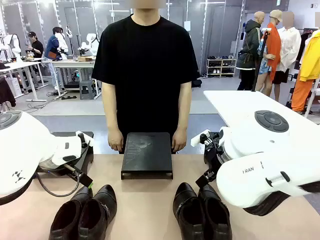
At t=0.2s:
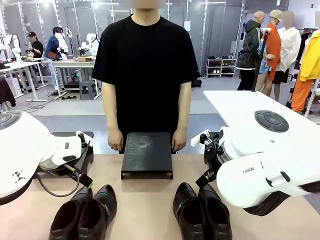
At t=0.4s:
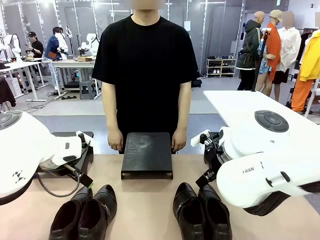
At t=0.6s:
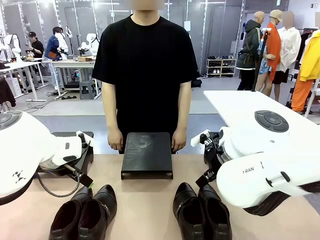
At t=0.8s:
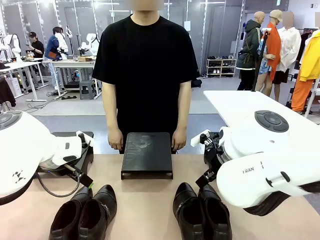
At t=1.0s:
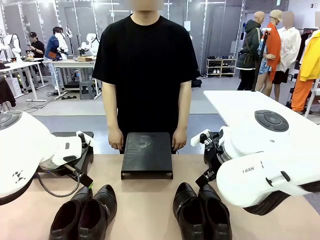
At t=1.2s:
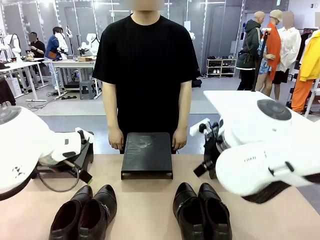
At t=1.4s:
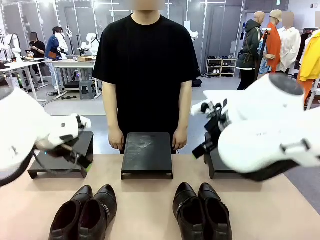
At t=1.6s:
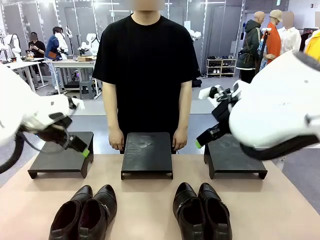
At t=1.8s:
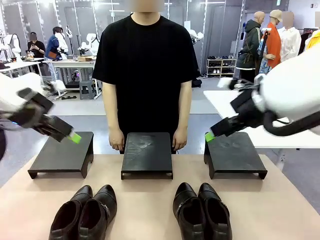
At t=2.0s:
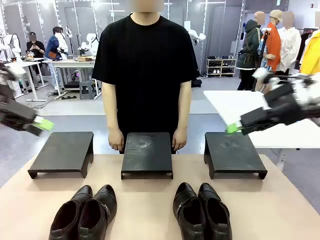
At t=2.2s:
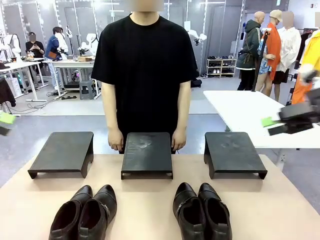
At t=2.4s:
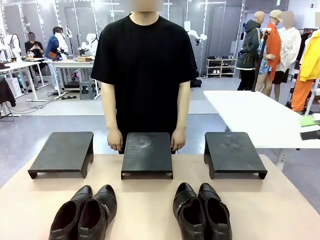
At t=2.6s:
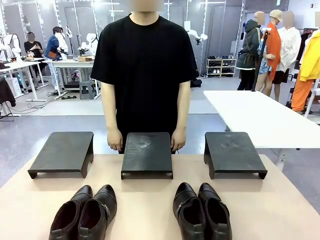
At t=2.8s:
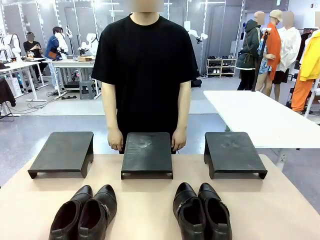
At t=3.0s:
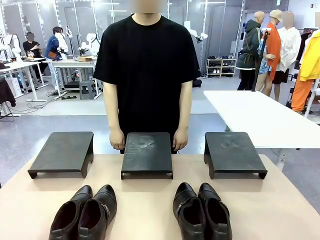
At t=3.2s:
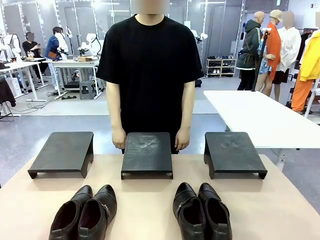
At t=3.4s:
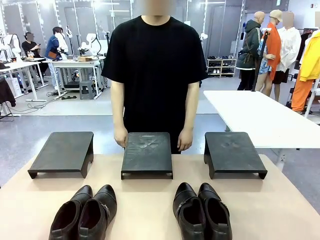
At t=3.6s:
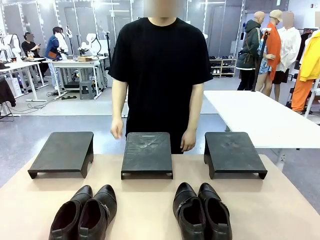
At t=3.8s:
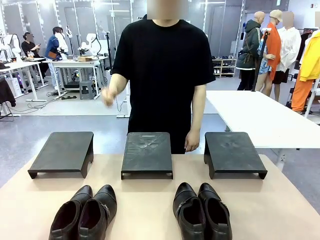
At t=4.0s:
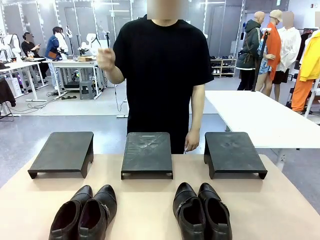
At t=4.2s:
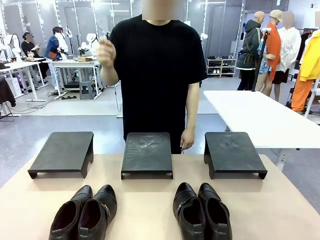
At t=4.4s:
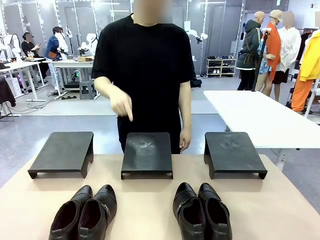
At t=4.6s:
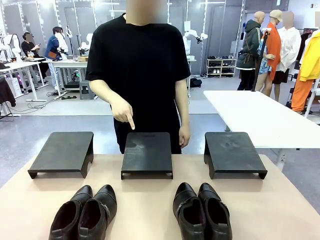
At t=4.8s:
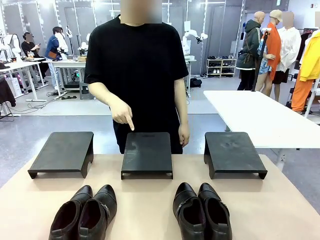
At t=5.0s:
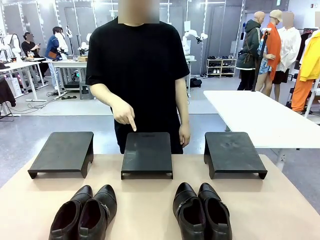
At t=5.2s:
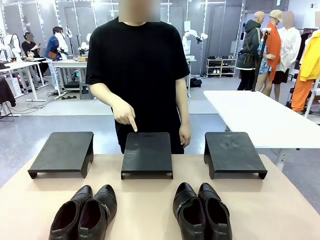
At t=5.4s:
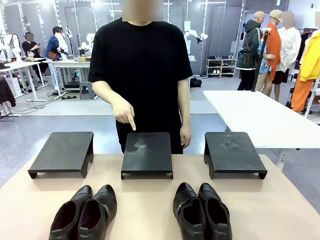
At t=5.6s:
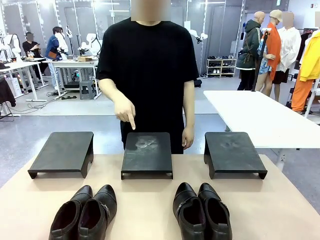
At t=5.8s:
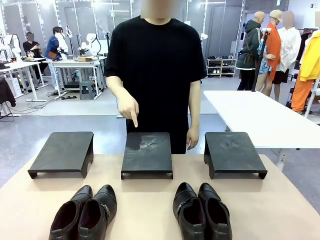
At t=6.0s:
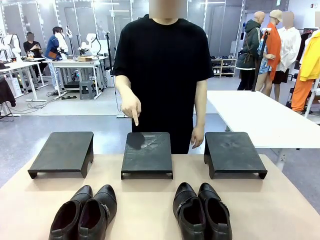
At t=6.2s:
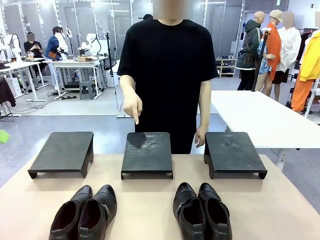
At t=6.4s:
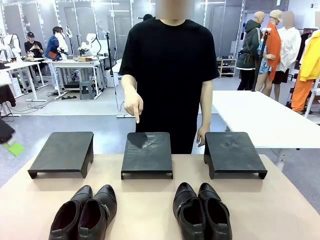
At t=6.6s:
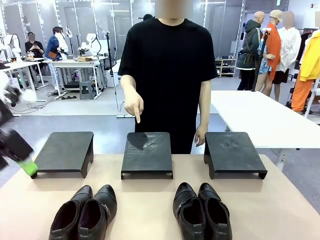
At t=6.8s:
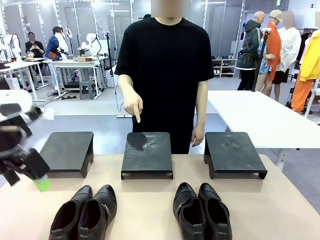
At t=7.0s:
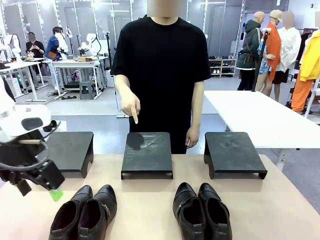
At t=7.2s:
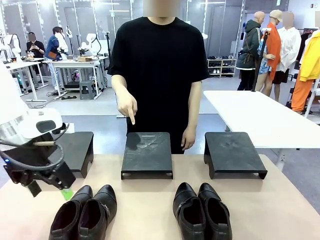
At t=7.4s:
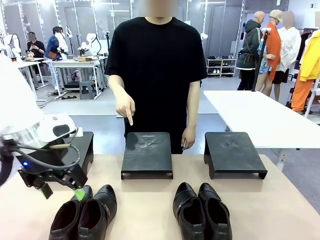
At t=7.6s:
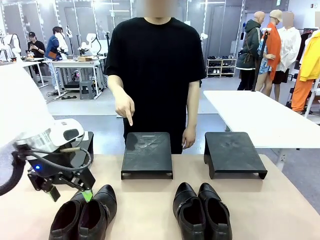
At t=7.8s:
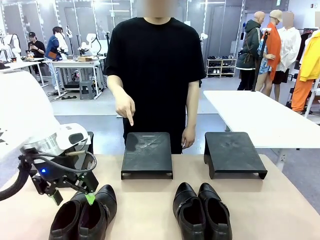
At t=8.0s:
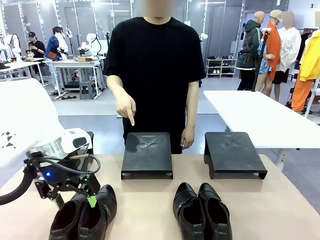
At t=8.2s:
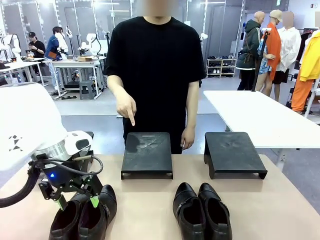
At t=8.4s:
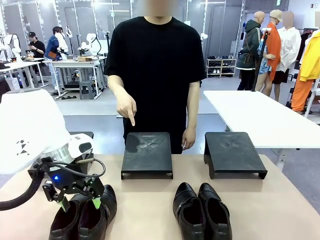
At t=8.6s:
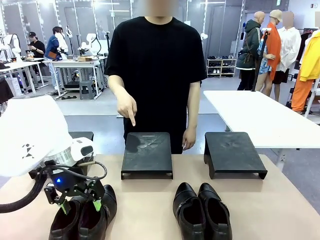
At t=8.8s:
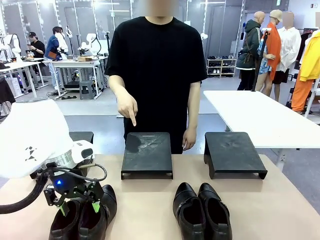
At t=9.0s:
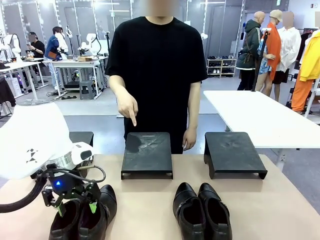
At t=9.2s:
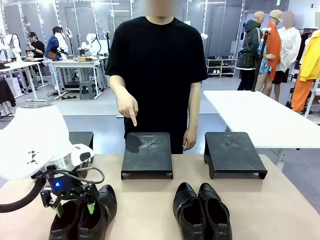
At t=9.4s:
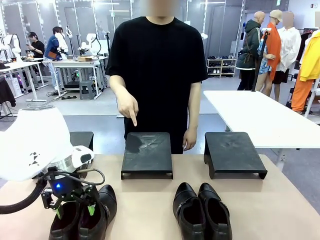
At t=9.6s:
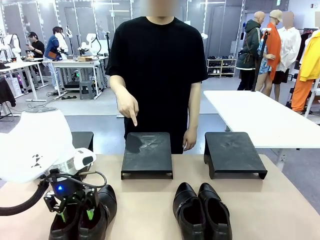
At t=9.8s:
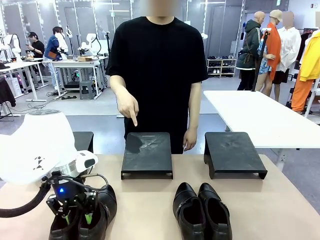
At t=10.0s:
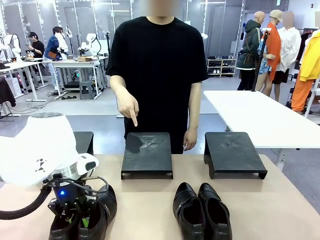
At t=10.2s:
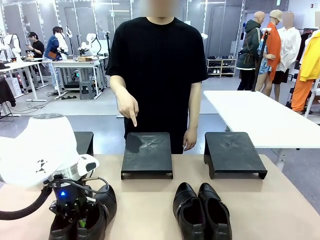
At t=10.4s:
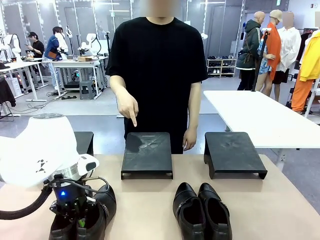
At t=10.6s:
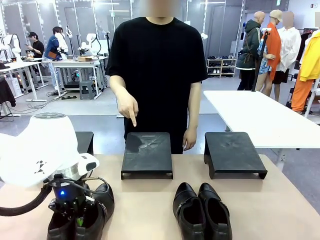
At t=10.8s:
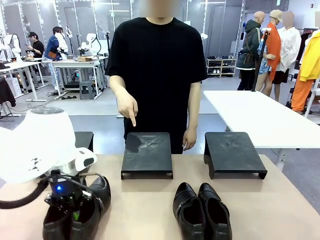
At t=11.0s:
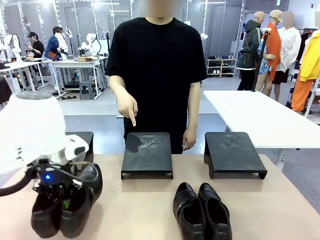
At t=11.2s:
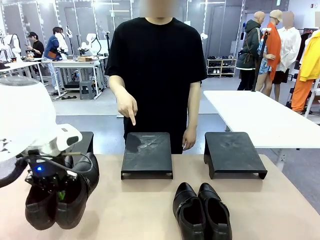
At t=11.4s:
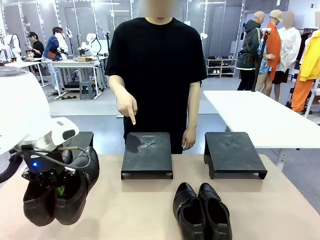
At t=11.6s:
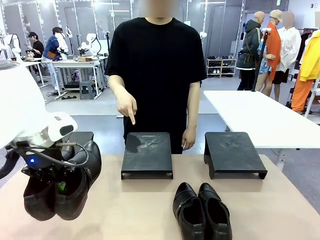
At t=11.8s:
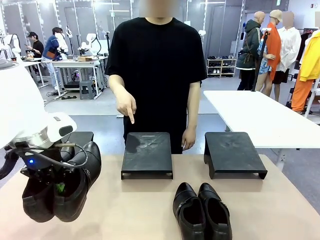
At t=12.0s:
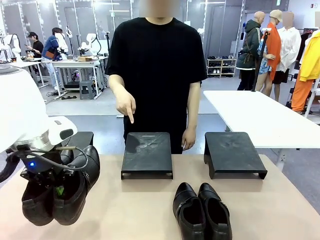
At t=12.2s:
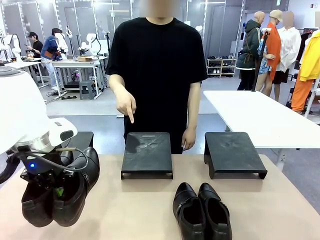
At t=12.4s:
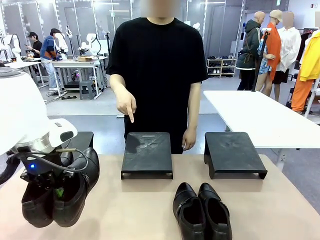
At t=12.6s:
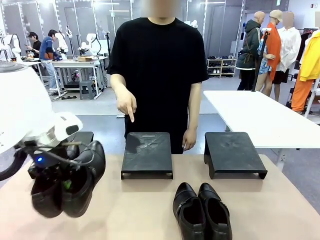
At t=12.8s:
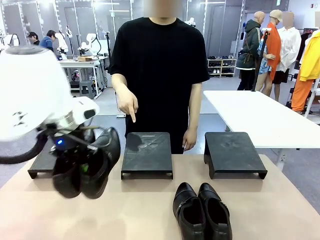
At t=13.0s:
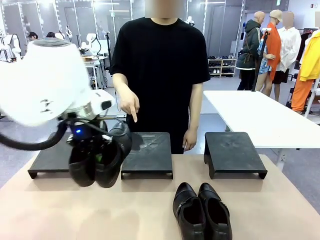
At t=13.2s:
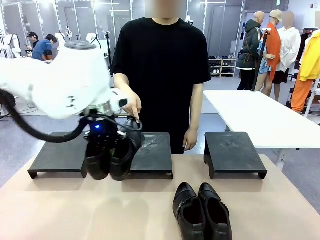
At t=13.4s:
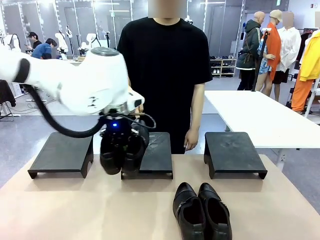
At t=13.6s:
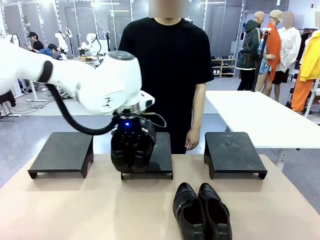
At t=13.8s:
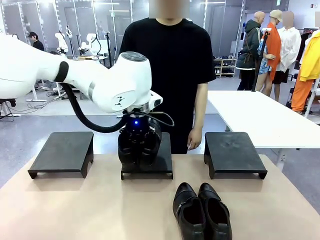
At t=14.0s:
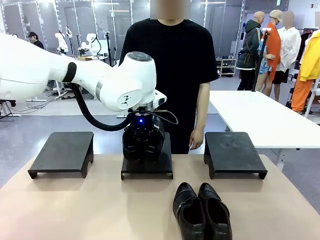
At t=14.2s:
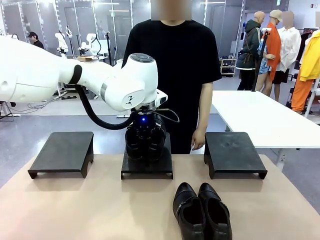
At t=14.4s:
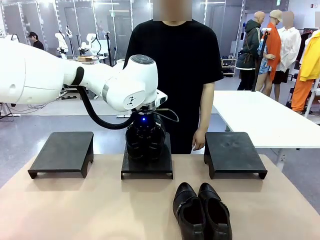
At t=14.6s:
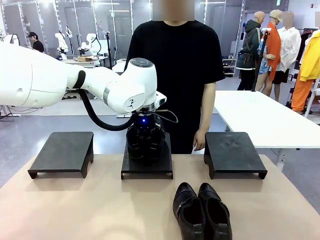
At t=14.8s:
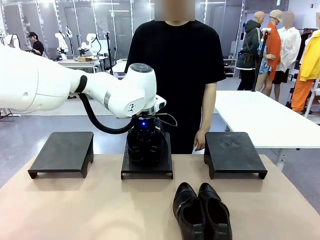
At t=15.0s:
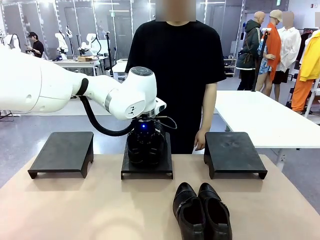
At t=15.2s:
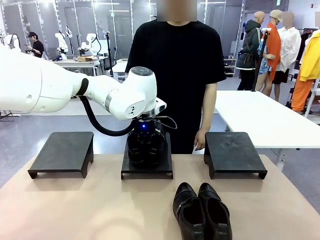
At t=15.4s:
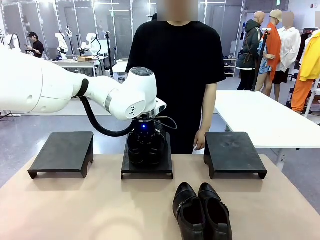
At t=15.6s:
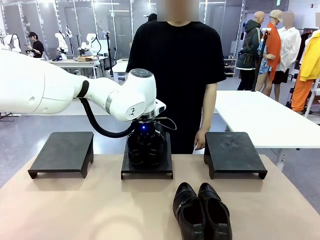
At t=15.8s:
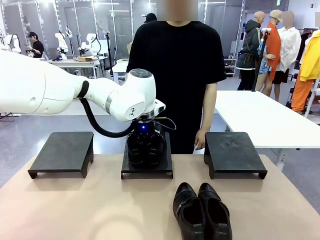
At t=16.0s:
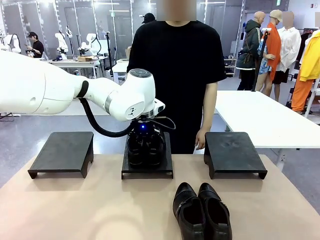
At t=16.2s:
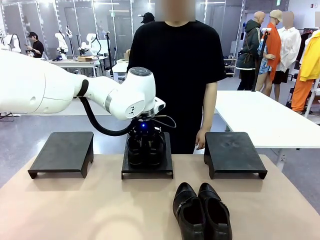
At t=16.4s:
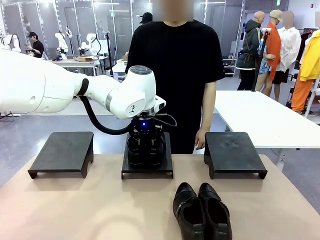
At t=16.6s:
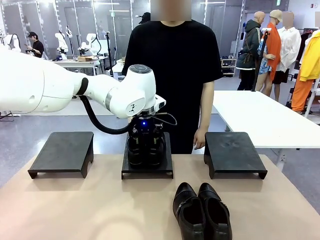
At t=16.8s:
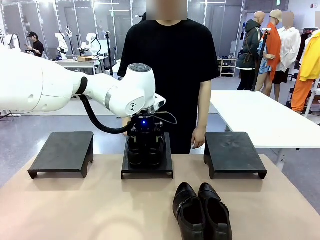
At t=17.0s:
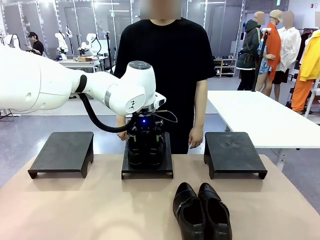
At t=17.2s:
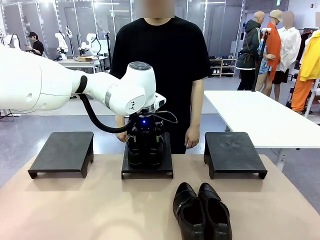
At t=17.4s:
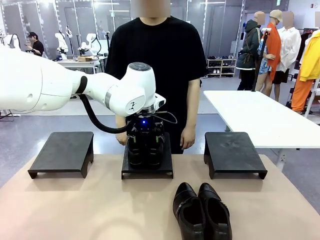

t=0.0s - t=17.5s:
Task: Place the shoes on the stand as instructed by the person.
Robot: Pick up one pair of Shoes and place it on the Shoes Stand indicated by the person.
